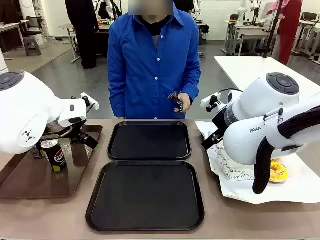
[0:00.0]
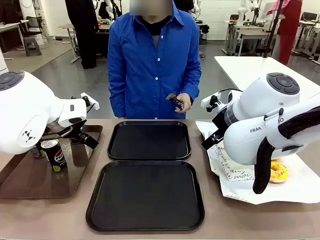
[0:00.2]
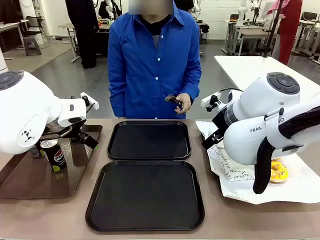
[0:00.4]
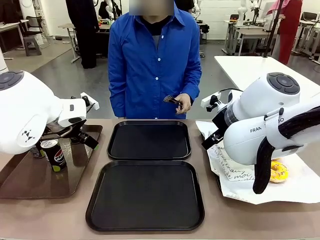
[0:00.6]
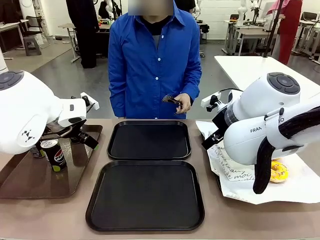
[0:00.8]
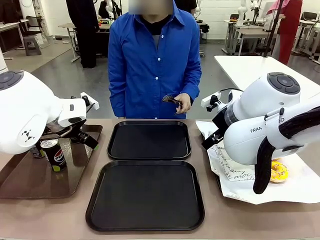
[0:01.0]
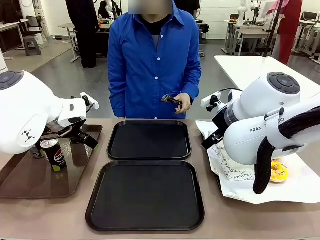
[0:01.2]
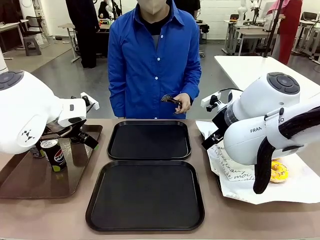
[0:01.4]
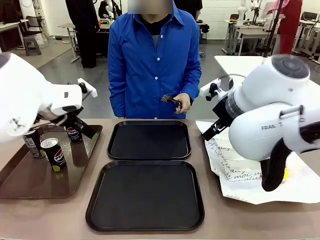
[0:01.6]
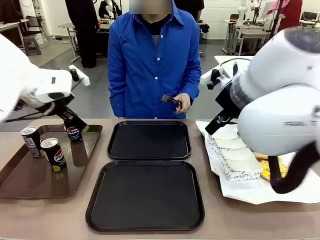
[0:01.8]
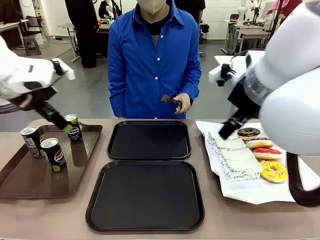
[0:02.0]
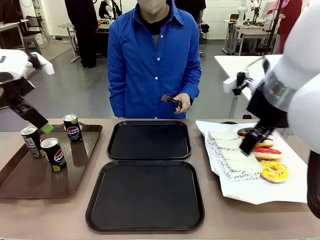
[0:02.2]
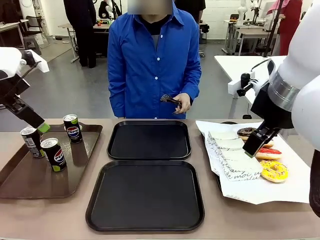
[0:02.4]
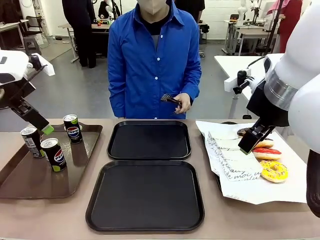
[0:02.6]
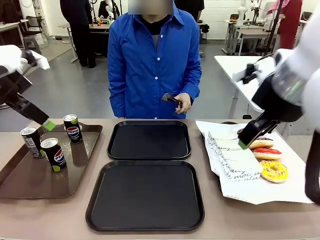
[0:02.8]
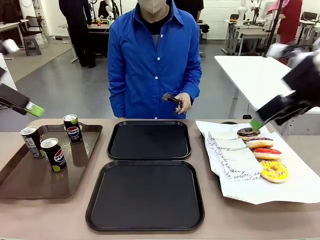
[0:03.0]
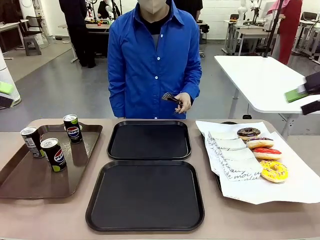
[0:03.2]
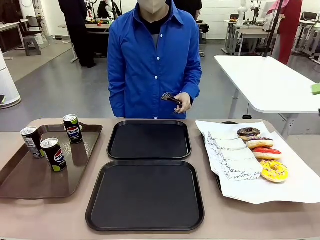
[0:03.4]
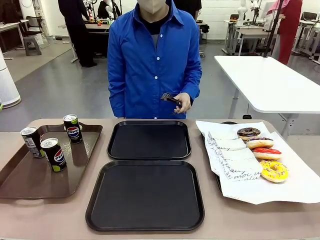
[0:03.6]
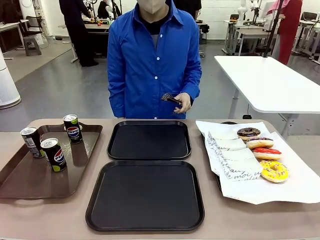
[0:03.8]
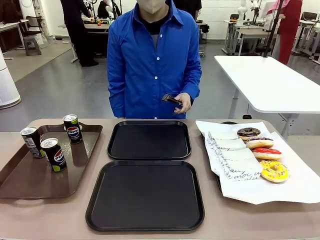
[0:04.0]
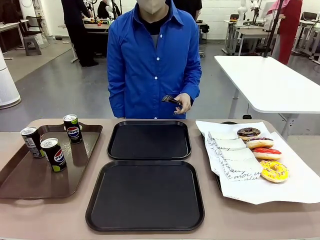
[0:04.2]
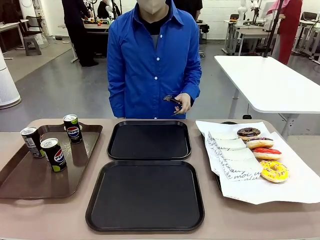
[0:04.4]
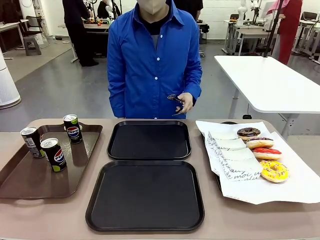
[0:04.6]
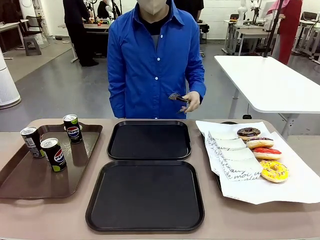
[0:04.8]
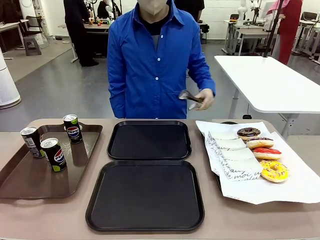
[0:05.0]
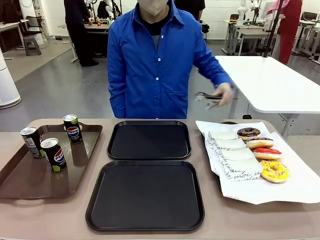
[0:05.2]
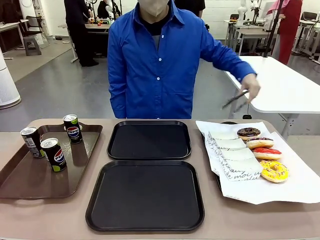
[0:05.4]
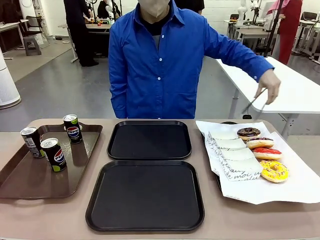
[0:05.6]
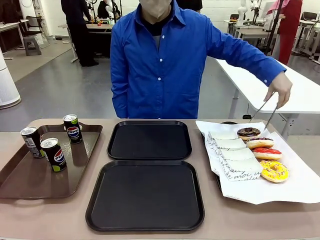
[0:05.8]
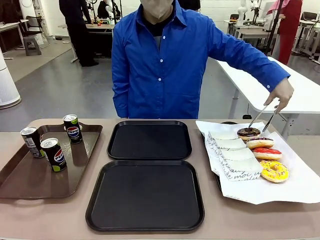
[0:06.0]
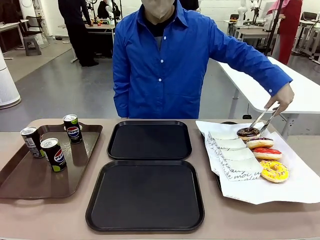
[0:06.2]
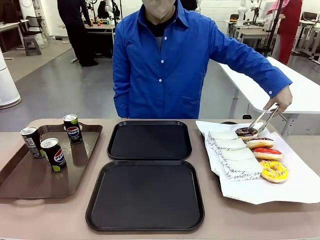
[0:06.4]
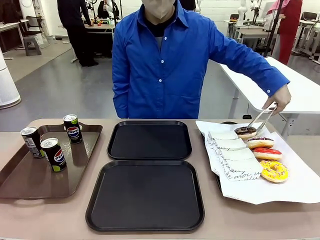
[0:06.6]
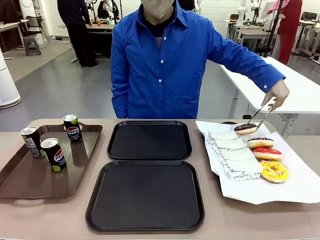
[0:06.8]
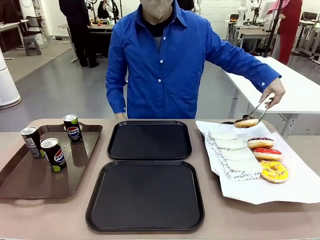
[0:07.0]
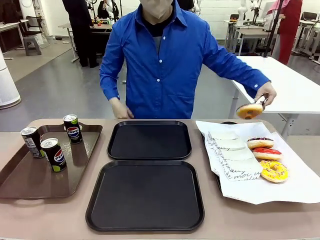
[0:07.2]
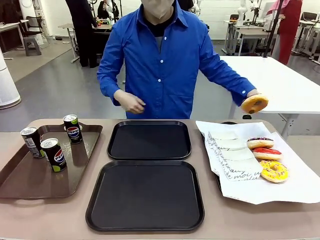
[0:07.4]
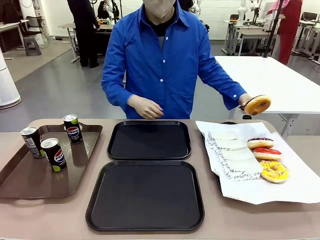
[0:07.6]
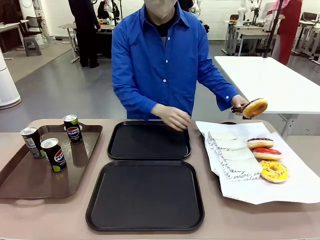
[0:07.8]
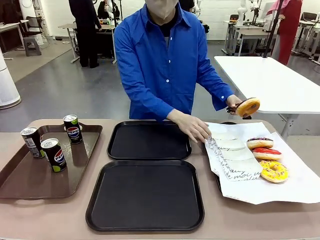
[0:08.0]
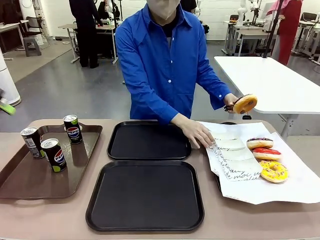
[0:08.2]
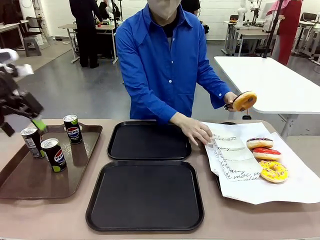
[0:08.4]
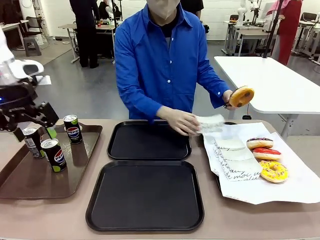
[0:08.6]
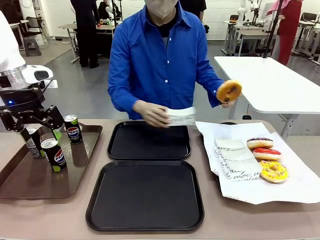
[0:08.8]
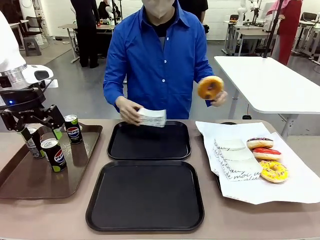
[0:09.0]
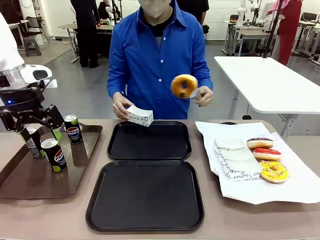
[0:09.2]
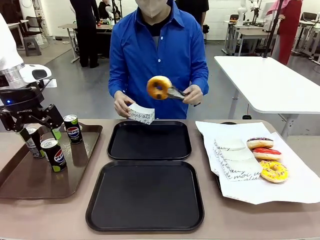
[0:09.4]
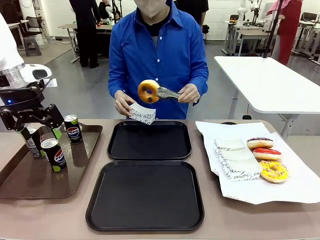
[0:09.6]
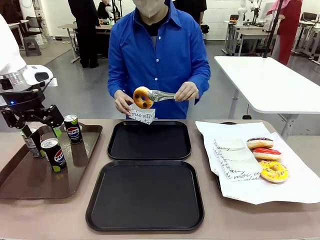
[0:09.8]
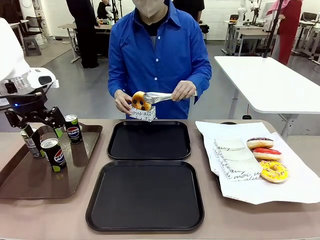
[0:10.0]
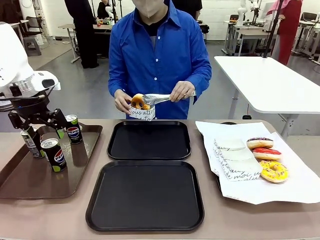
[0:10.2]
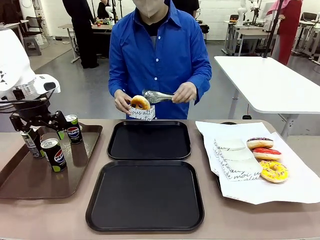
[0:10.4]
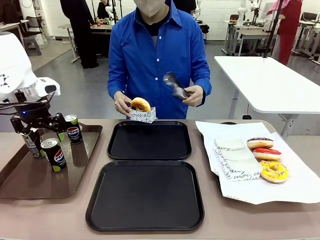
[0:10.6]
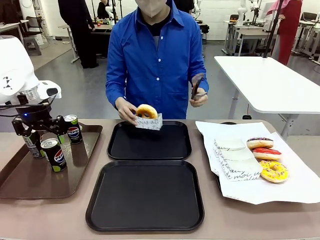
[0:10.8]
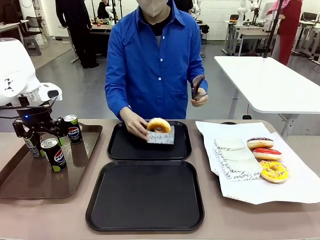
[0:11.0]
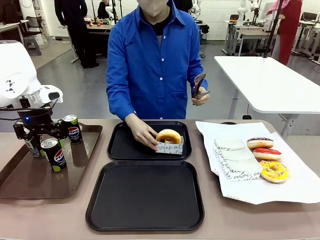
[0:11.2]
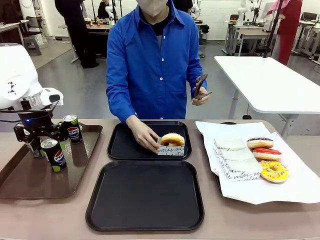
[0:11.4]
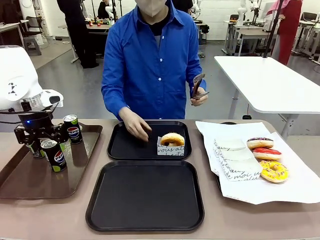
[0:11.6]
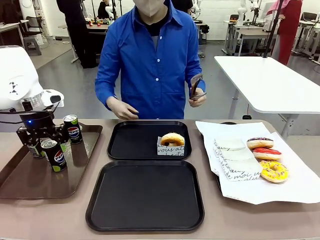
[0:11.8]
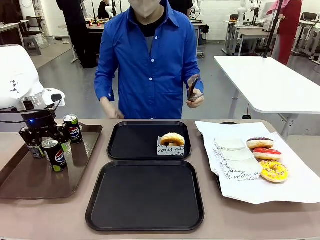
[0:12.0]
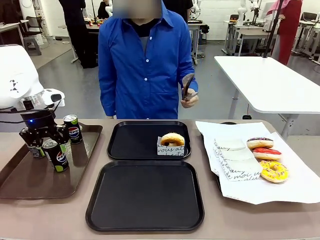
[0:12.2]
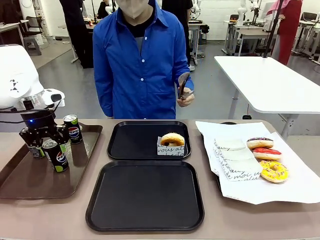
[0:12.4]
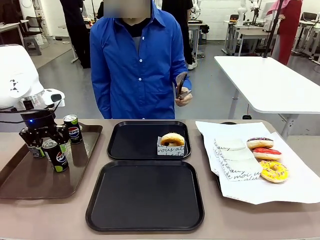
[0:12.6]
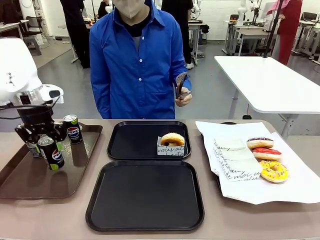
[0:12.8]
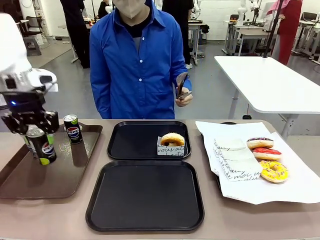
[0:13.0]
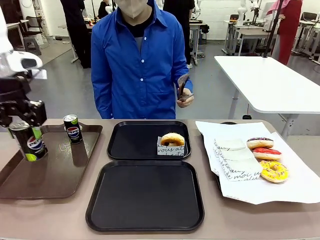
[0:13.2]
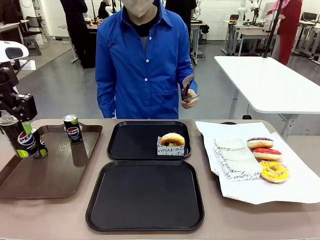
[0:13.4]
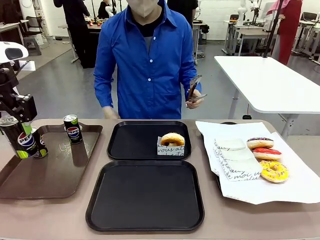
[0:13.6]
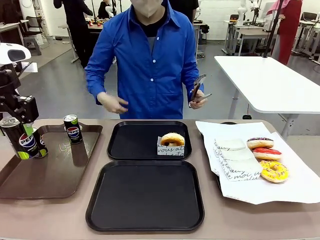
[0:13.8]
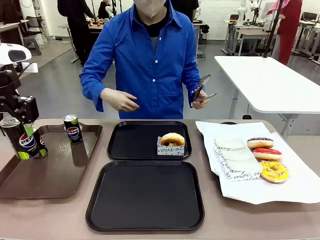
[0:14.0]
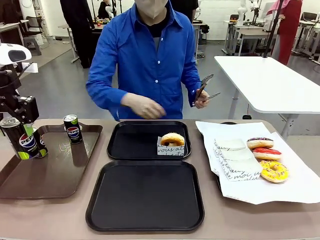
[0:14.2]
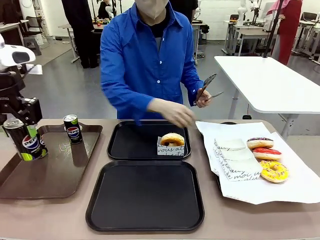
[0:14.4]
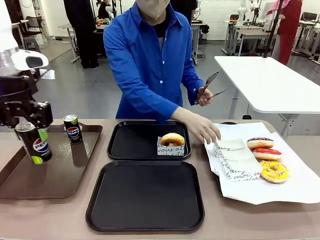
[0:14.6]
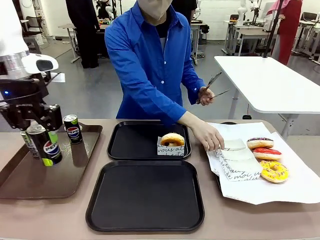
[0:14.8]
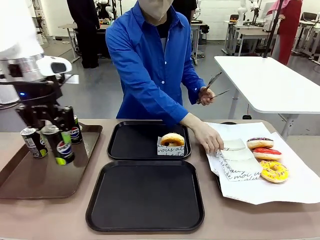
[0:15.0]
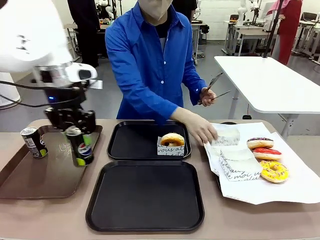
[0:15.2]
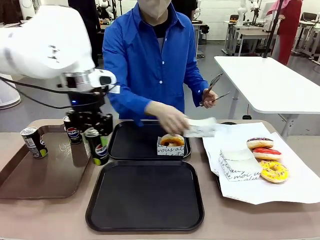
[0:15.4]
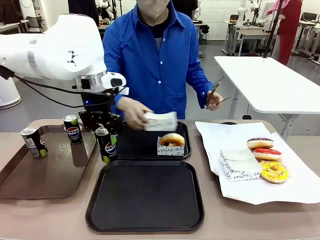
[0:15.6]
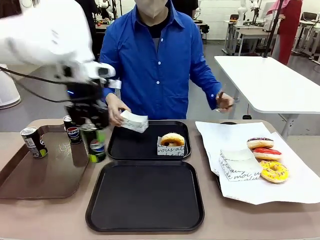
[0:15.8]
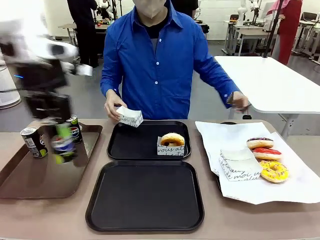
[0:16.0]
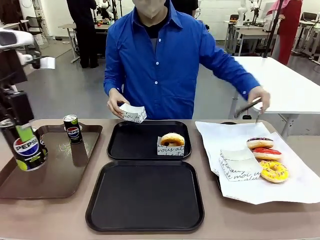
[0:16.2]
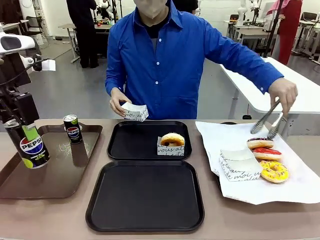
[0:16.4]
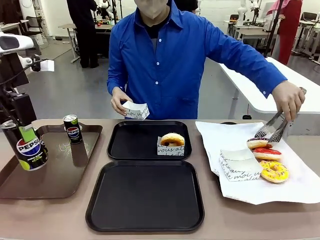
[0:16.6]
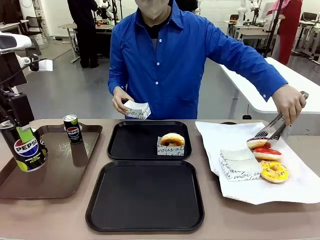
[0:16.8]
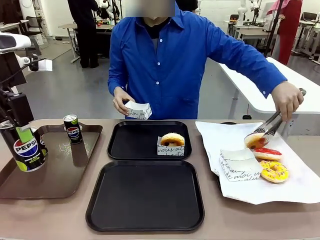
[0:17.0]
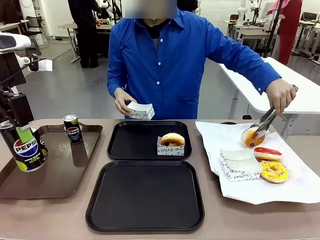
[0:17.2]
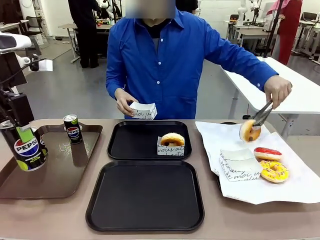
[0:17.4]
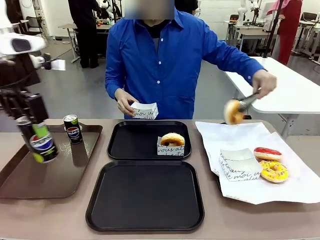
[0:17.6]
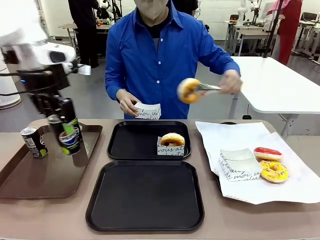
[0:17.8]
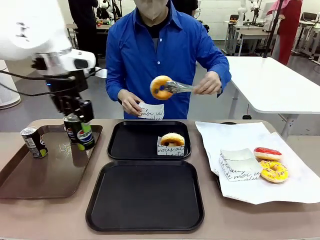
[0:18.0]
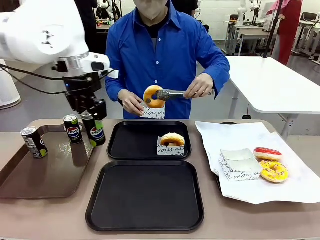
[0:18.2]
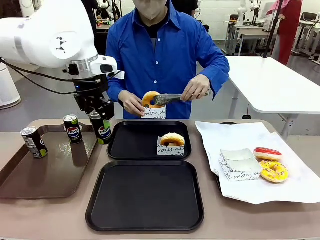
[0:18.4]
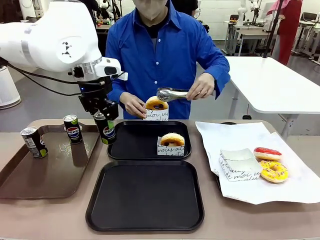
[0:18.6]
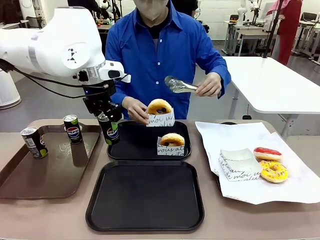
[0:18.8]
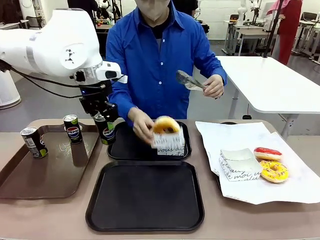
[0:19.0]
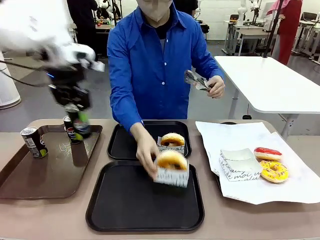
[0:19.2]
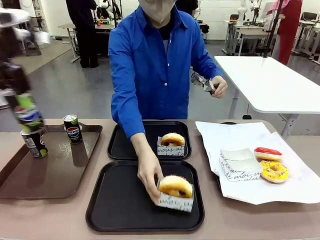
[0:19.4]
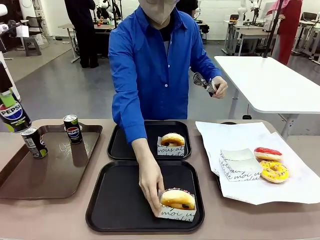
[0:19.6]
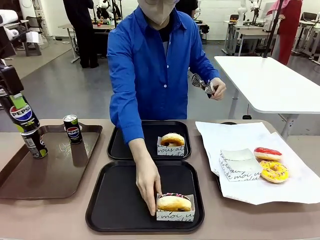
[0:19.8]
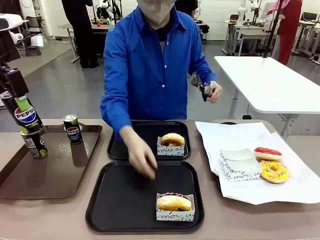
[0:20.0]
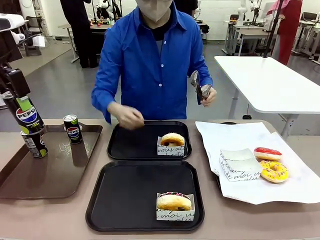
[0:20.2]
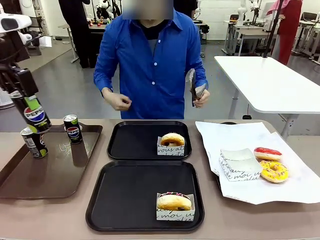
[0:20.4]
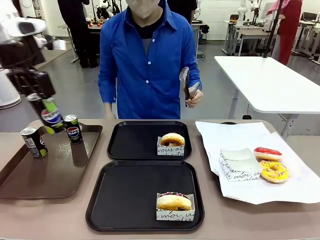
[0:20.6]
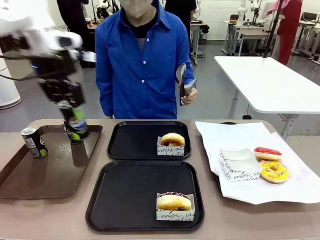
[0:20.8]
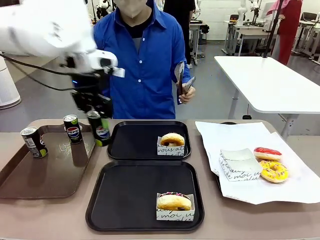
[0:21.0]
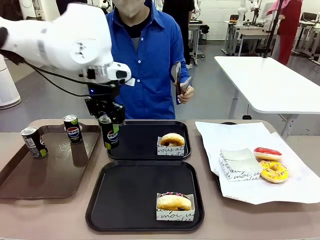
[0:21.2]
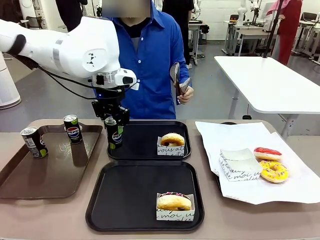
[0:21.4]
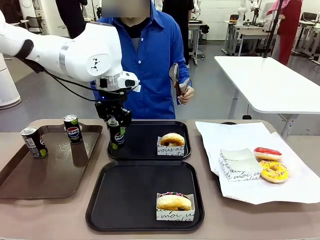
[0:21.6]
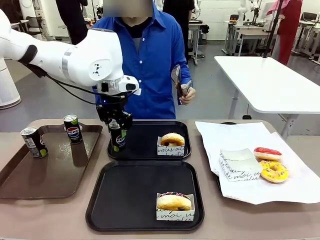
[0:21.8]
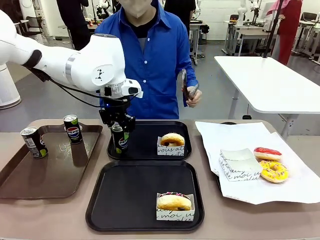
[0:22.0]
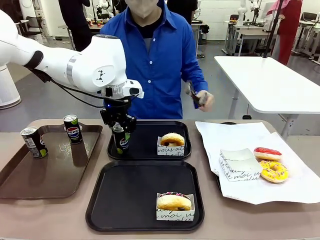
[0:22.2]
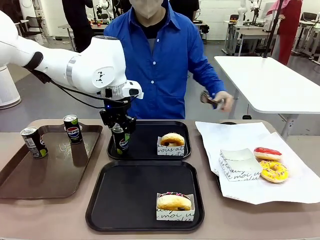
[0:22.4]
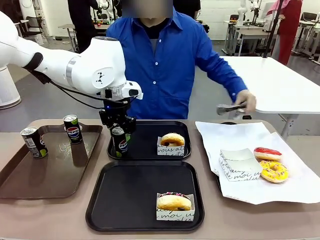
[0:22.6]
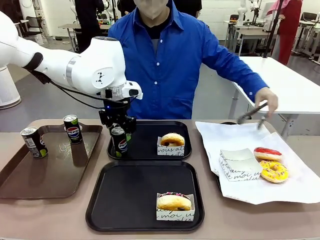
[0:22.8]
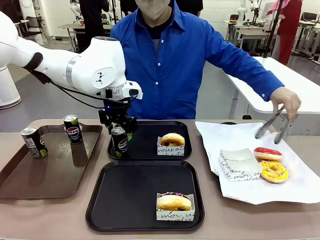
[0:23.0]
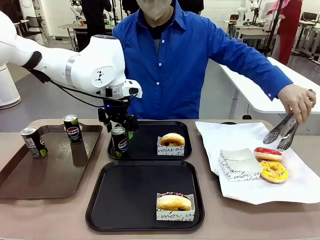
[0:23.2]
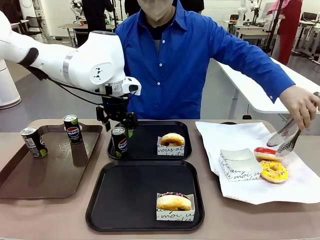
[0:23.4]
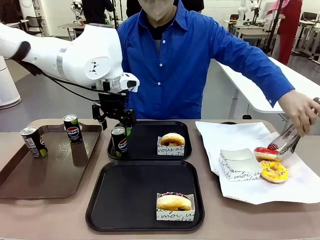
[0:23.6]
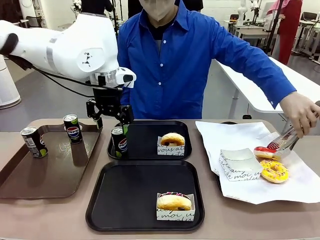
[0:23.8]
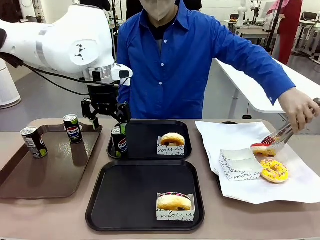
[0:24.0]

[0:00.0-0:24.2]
Task: Set up donuts and drinks on trays.
Robot: Pick up one Pepsi coke and place it on the Flat Tray.
Person: Pick up one donut with tongs, place it in the donut tray, and then place the donut tray on the flat tray.
